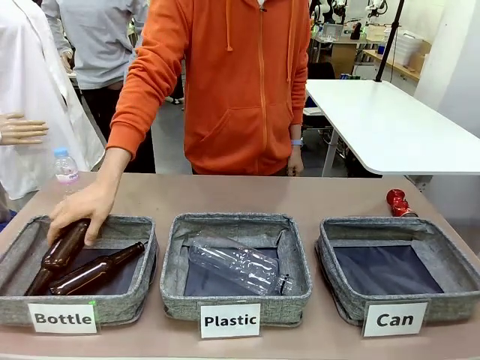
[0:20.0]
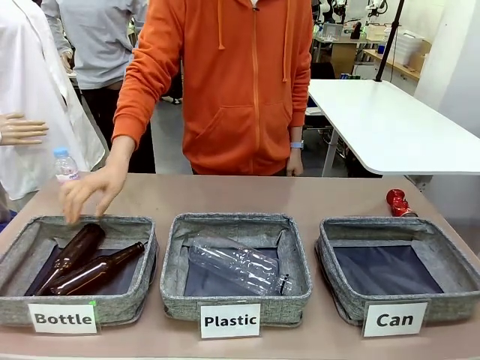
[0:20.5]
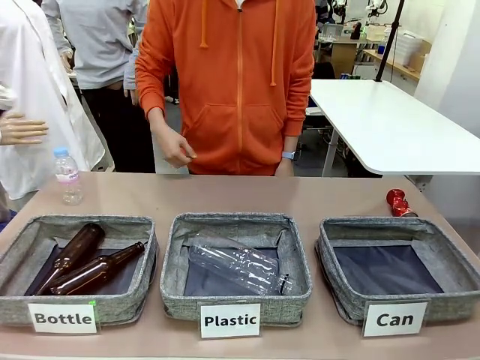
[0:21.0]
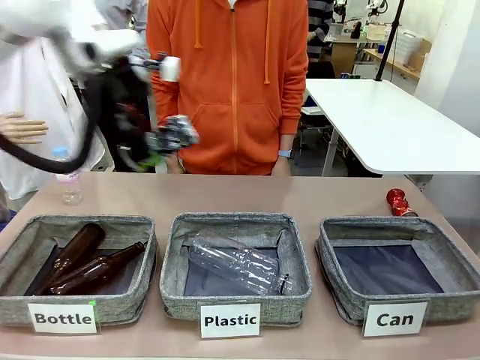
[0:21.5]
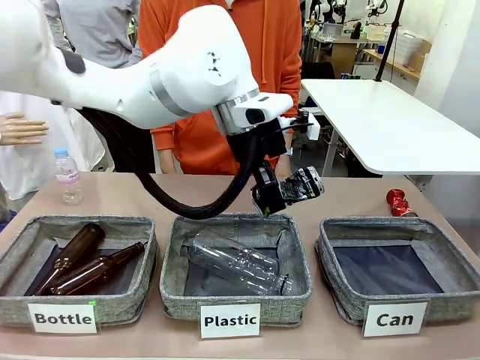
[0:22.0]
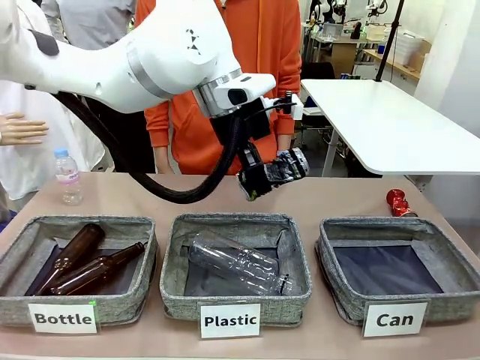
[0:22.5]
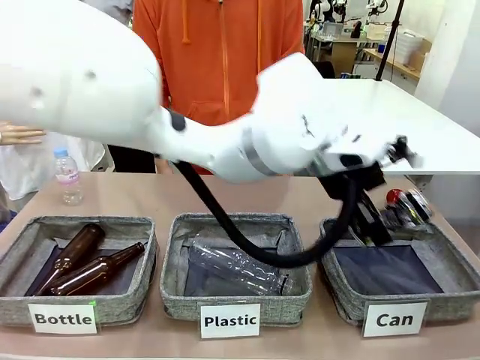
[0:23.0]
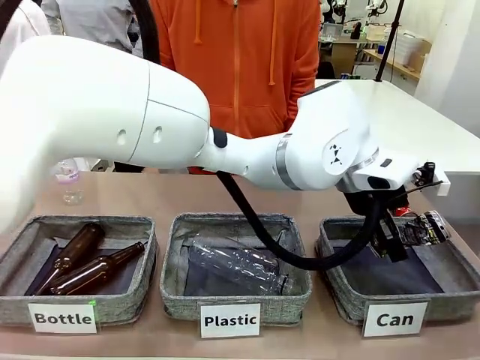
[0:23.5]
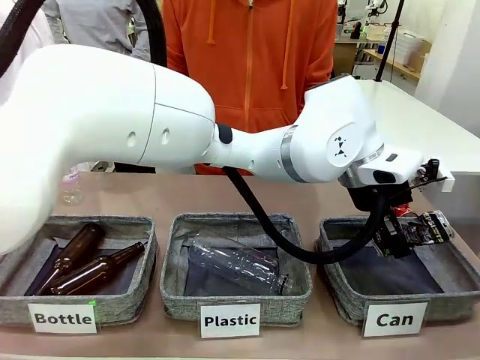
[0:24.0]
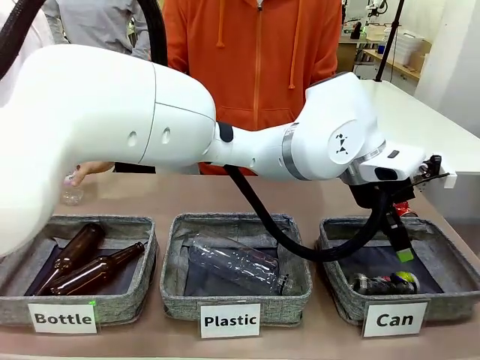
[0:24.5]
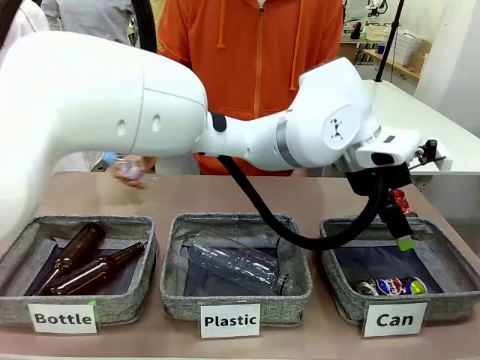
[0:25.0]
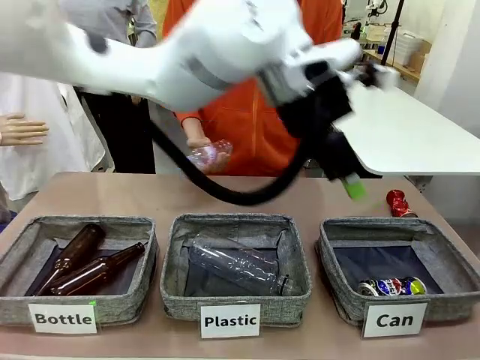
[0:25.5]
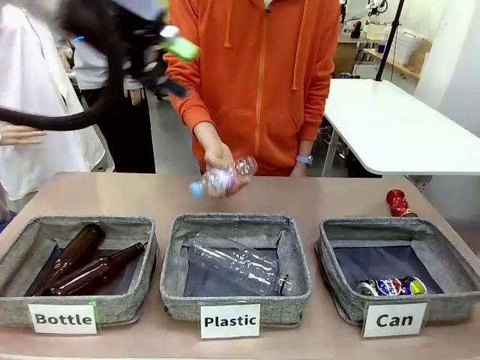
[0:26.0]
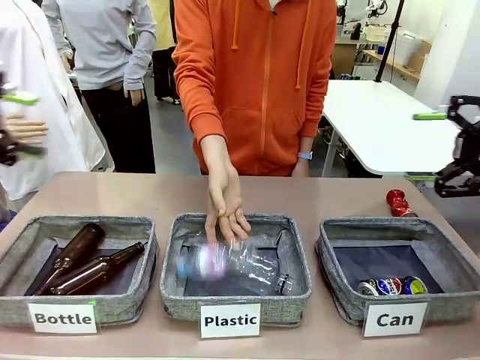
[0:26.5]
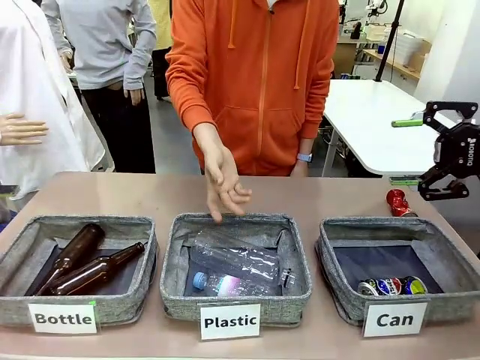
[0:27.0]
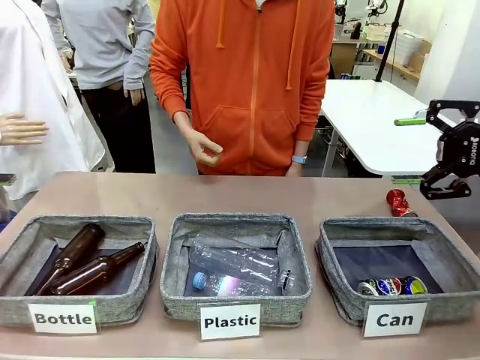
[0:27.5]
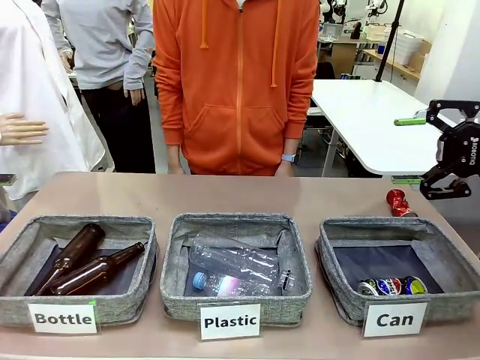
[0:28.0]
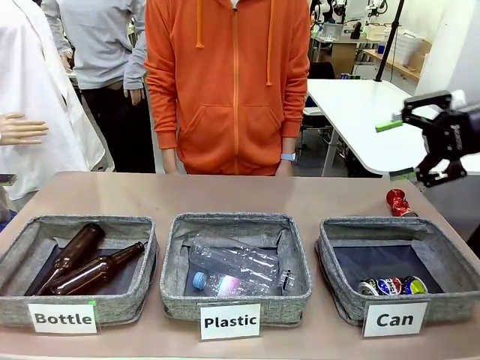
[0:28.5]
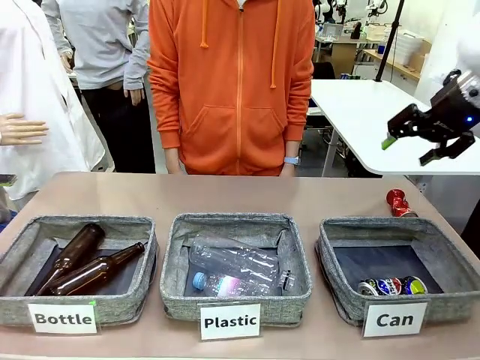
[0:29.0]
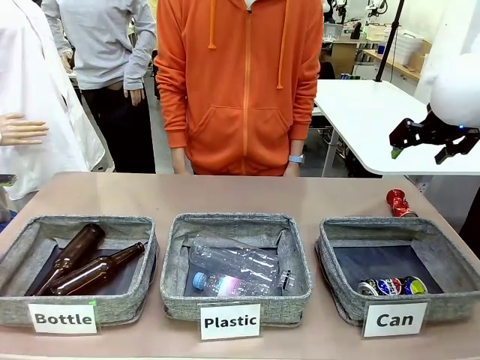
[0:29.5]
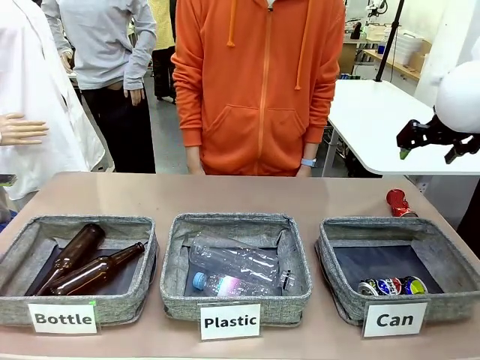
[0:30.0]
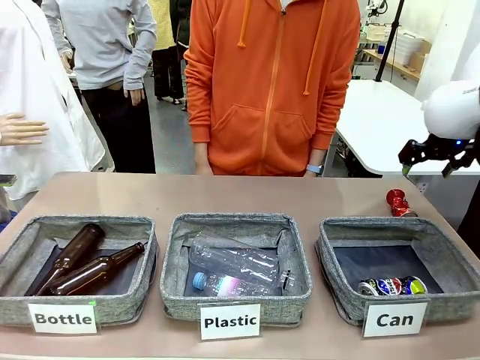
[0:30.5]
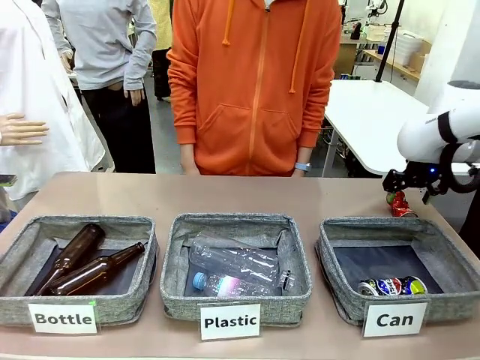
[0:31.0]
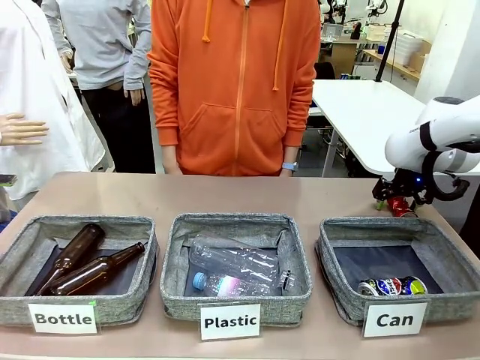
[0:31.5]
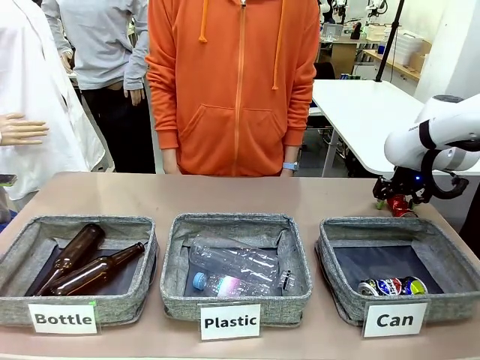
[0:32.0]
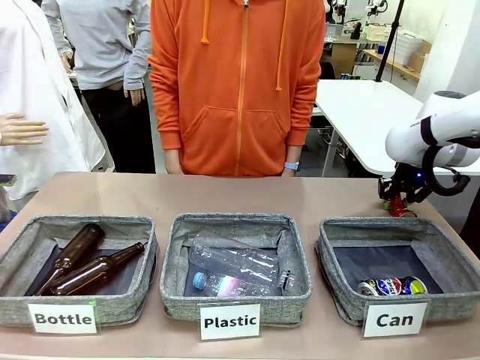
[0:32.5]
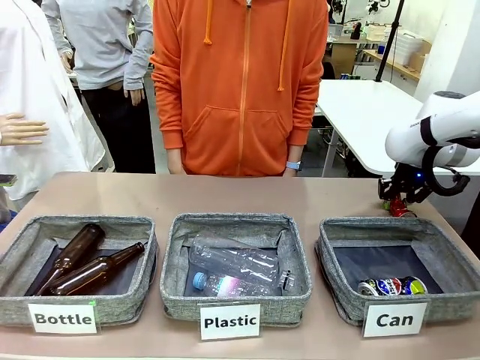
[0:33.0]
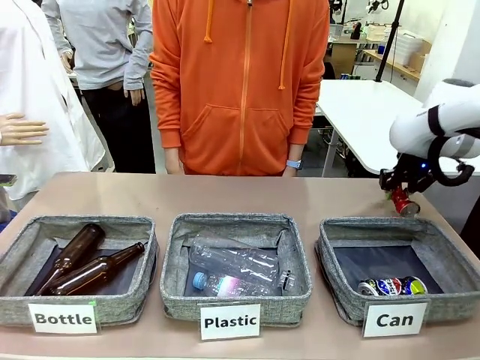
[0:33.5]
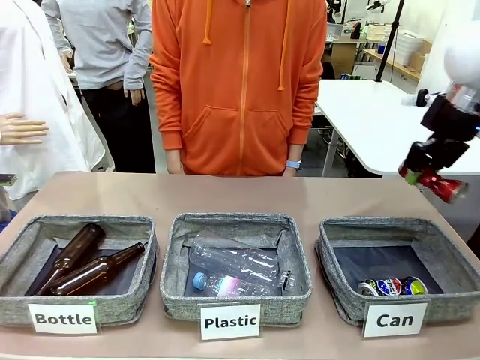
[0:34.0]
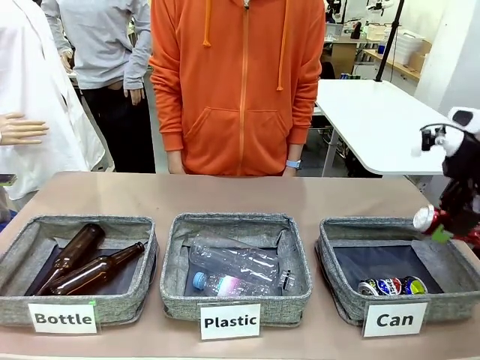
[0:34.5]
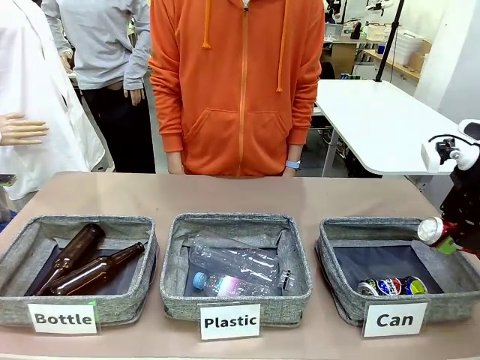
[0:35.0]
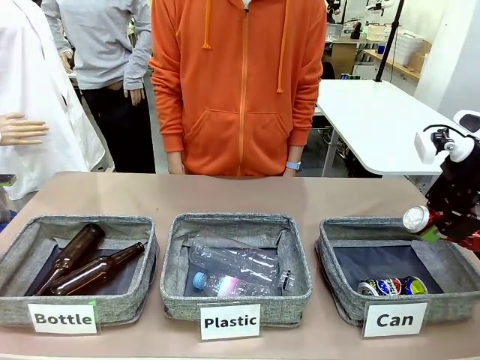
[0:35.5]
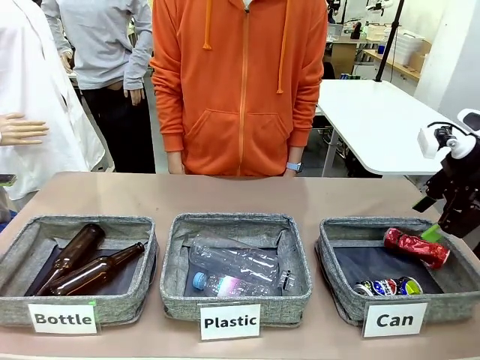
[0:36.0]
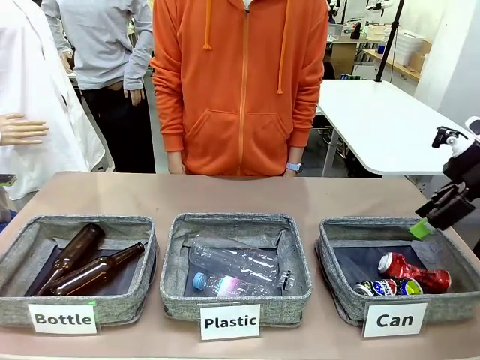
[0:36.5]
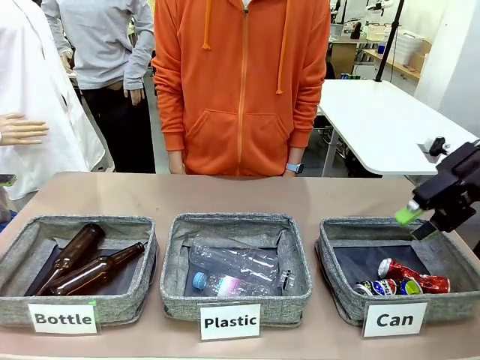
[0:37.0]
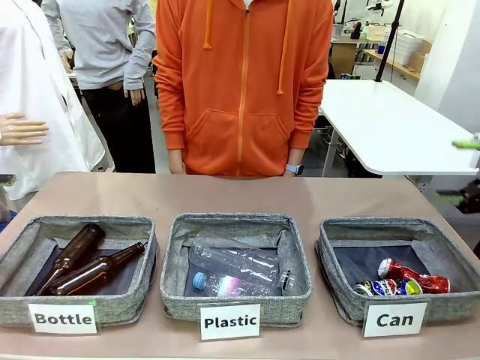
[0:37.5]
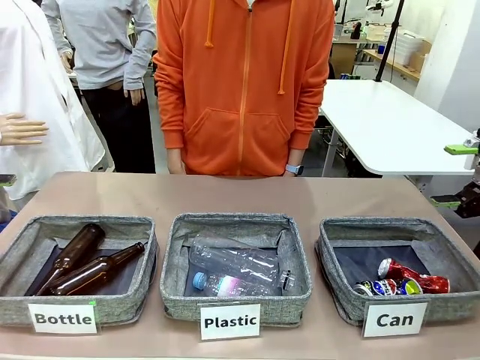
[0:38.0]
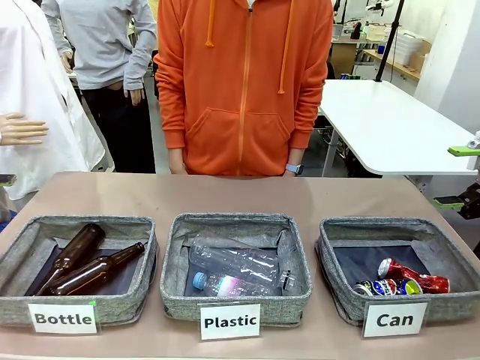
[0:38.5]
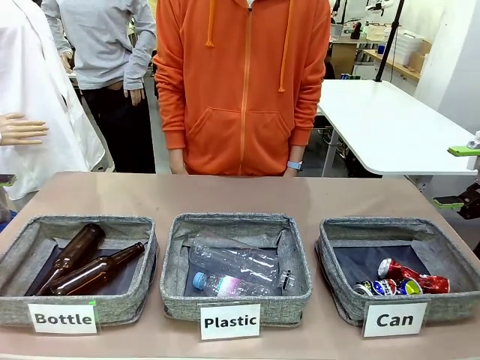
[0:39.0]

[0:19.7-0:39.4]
Task: Sort the can waste into the basket.
Robot: Pick up the can waste from the table and place it in the right Fabric basket.

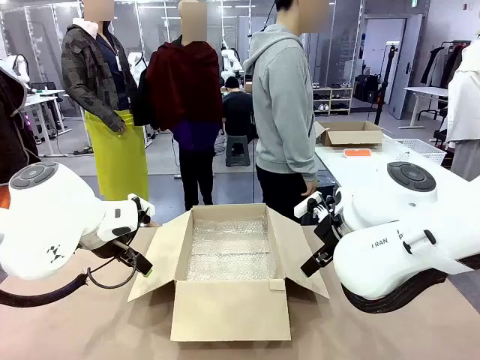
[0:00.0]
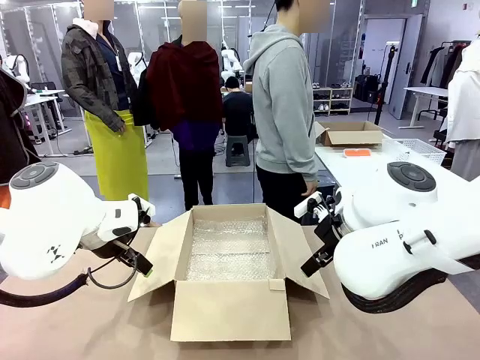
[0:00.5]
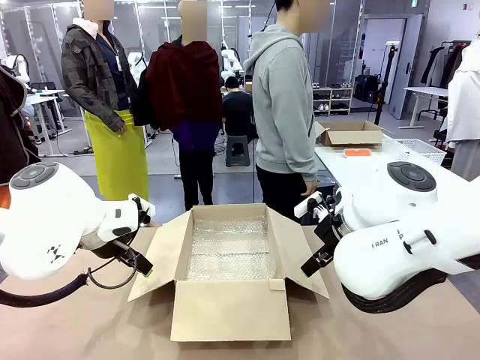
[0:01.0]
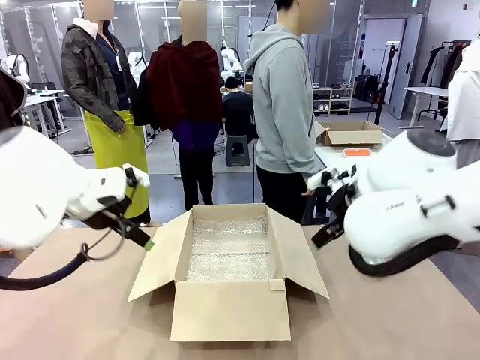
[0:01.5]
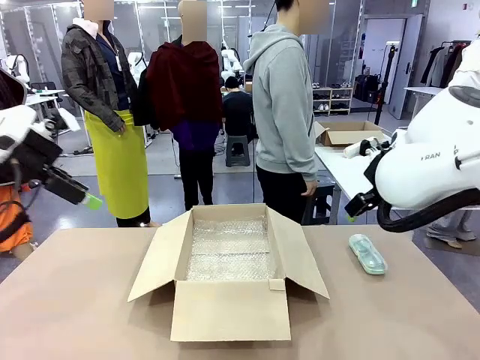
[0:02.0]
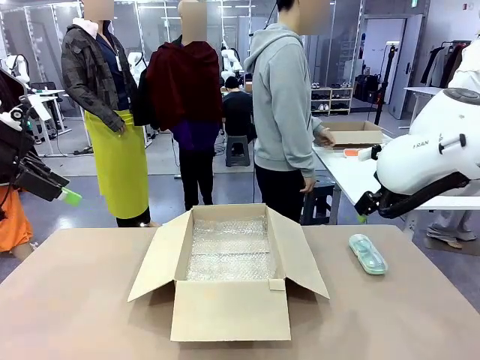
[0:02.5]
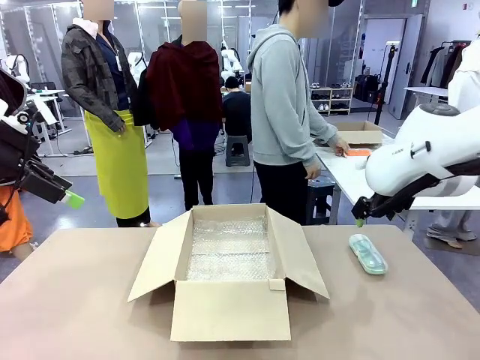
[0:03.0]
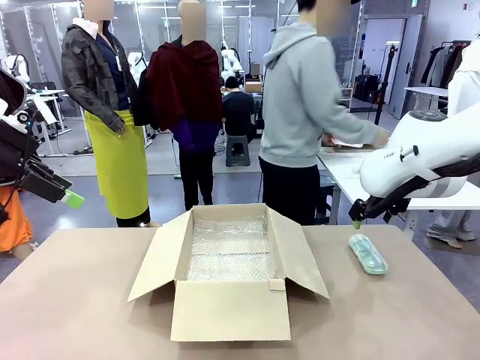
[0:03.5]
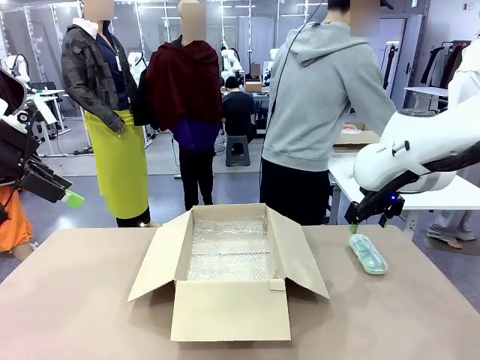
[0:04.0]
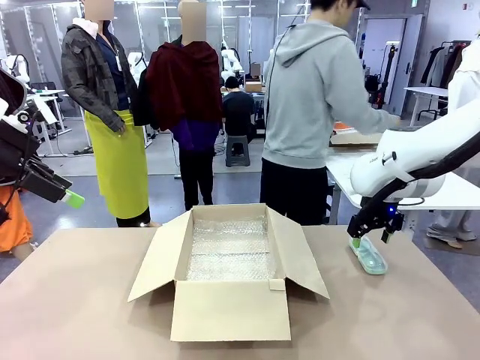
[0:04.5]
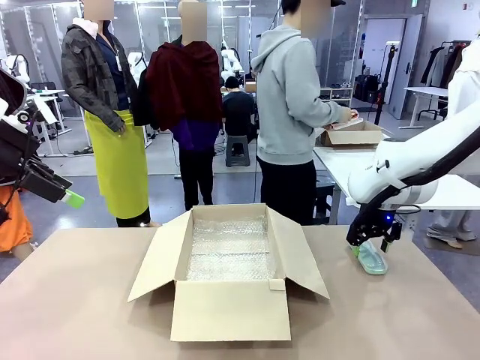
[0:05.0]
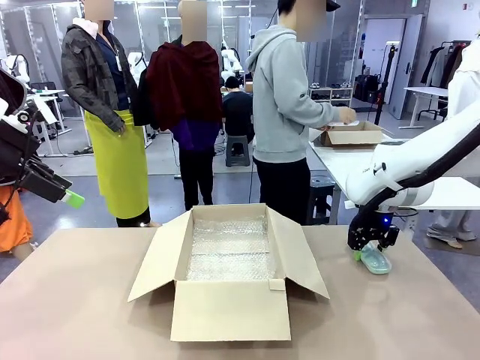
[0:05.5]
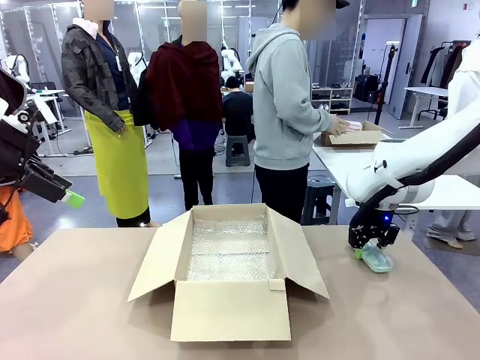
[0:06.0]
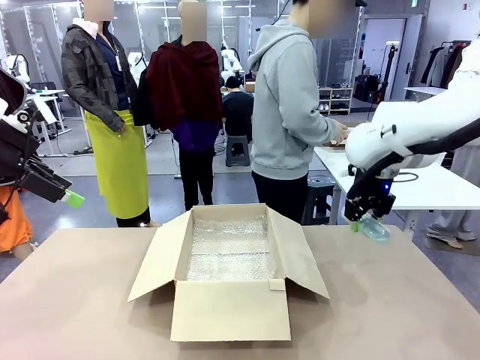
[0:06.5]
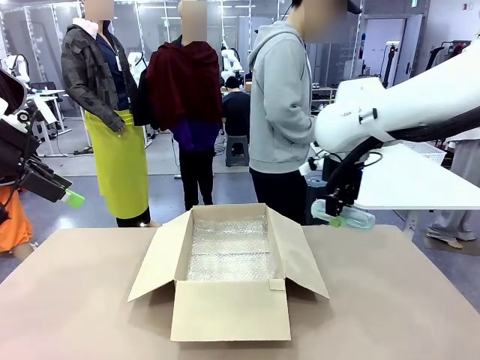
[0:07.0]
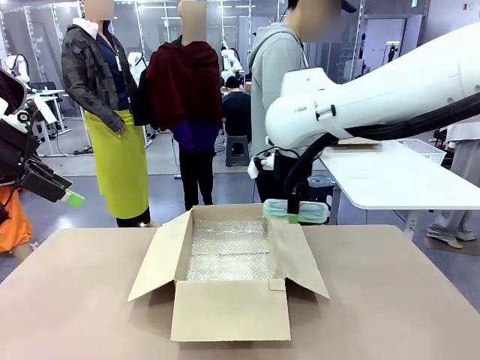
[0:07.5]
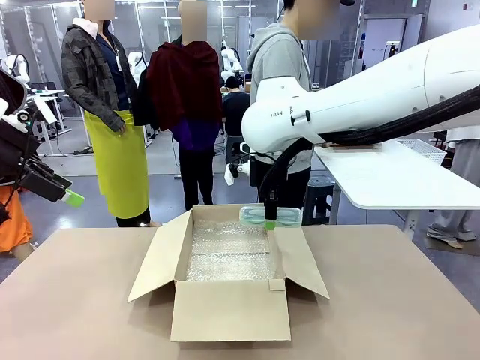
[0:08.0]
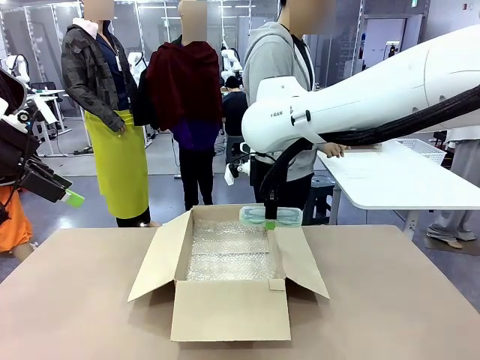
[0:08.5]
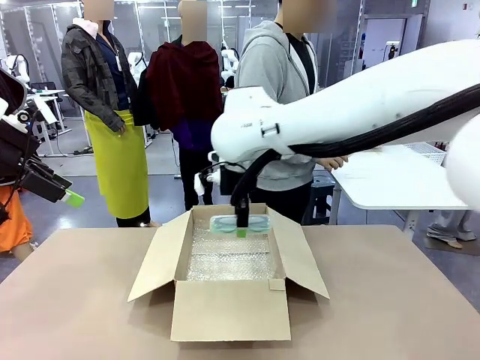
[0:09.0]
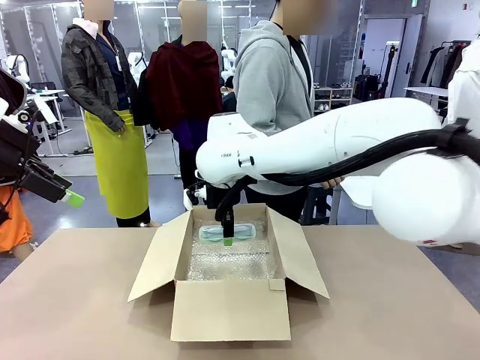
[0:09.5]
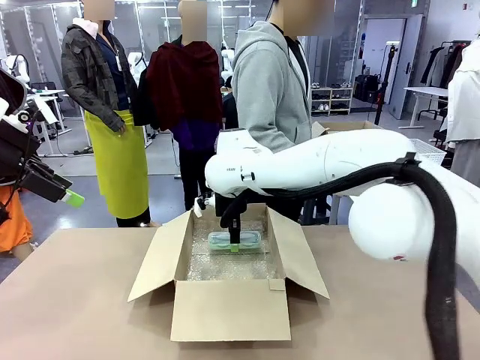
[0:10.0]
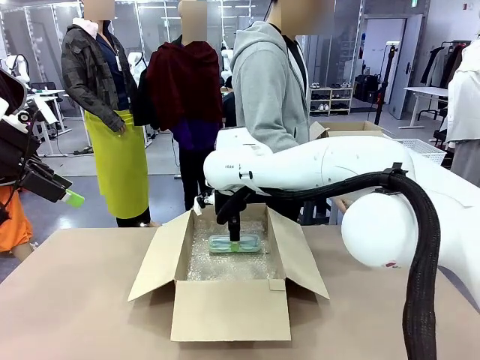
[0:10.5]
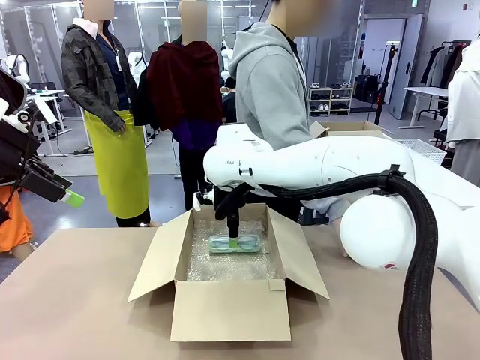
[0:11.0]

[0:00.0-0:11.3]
Task: Pack the glasses set securely to prepare it for shipping.
Robot: Place the Glasses case inside the Package Box.
Person: Place the Glasses inside the Glasses case. Position the Glasses case on the left side of the robot's table.
